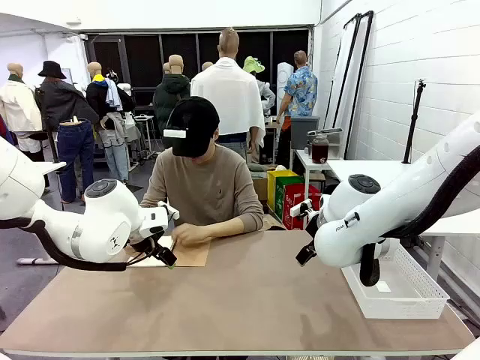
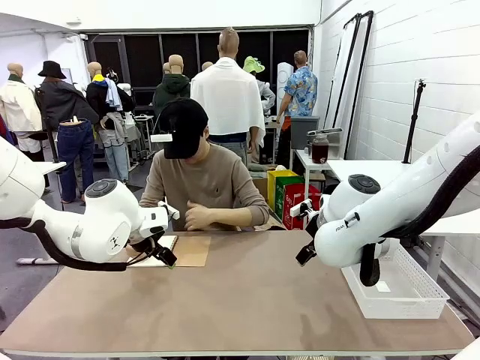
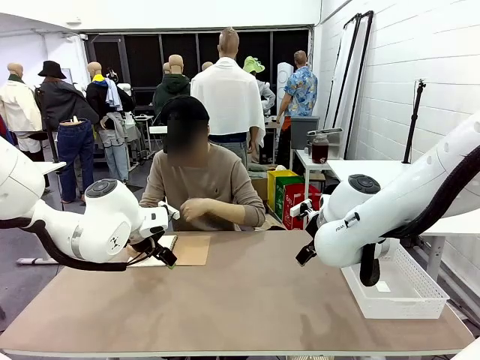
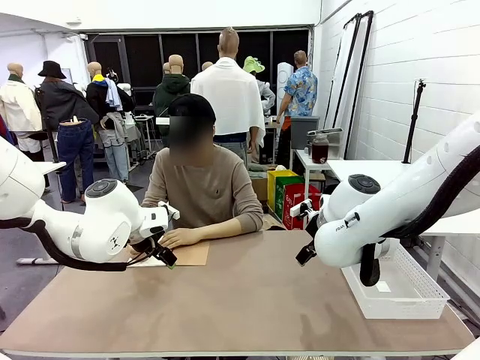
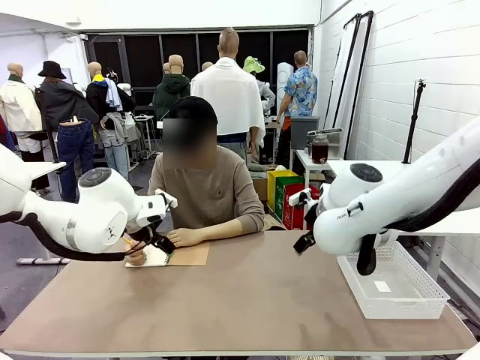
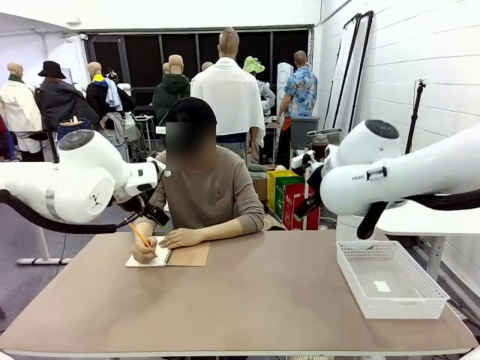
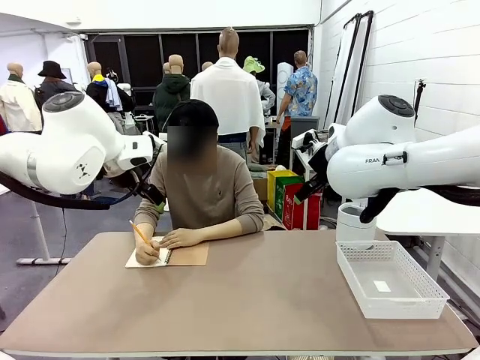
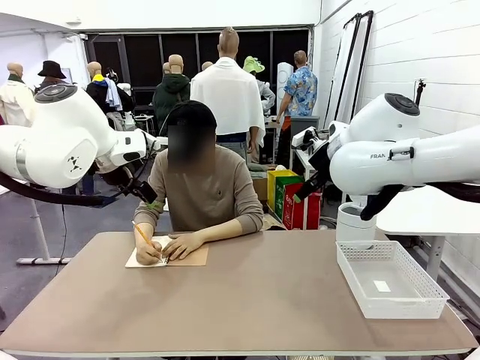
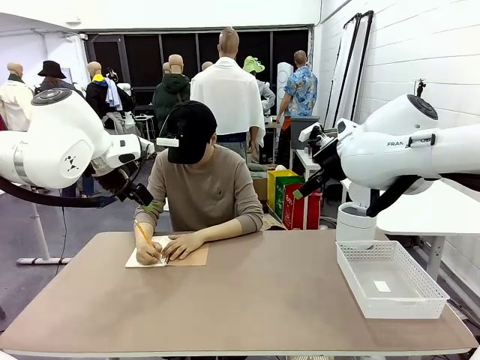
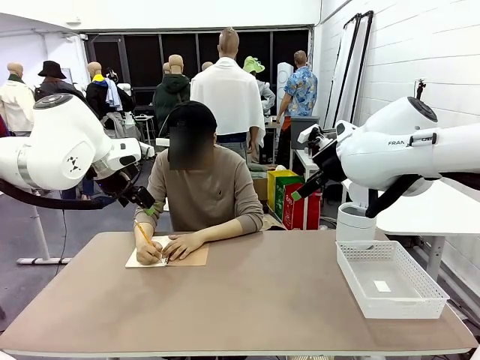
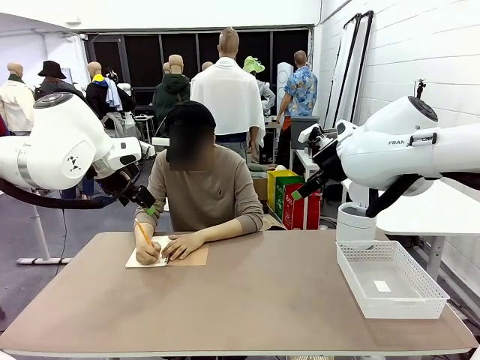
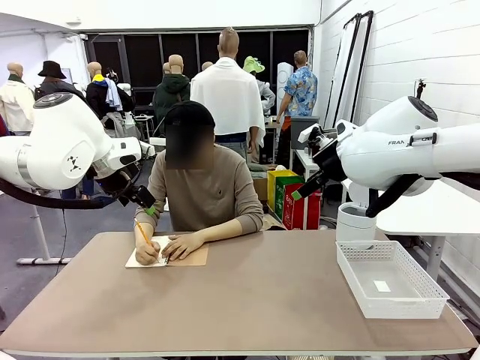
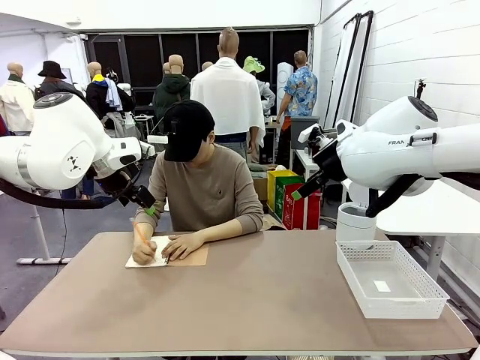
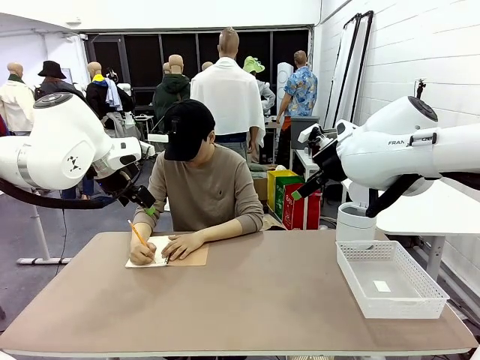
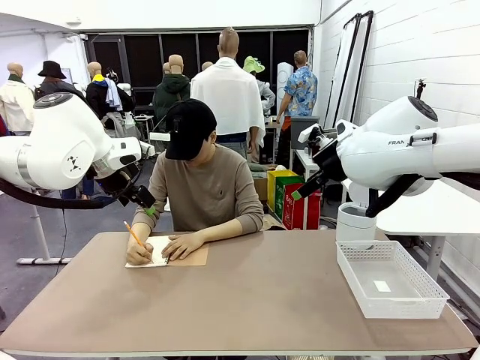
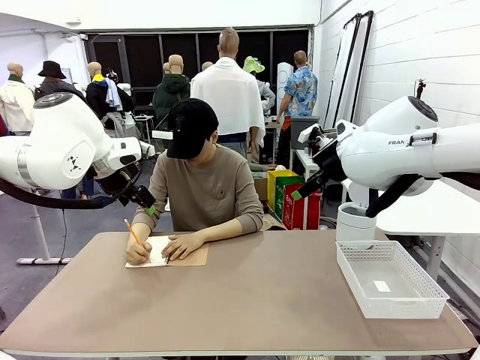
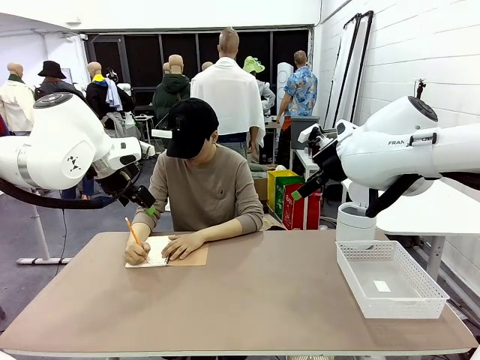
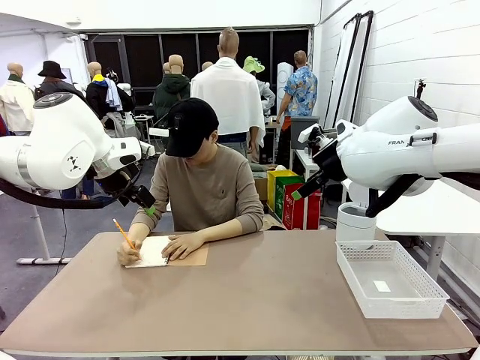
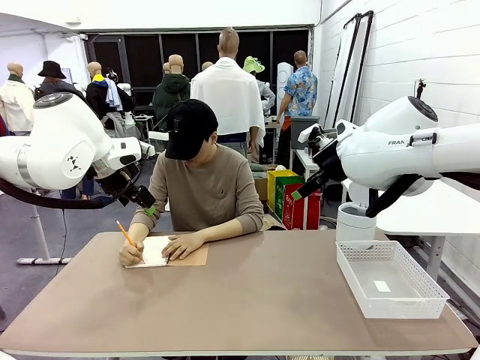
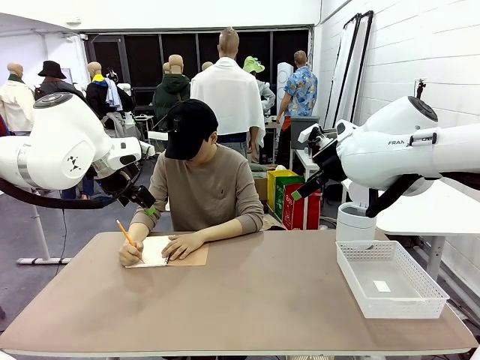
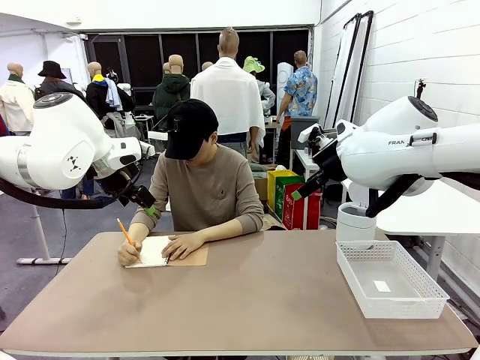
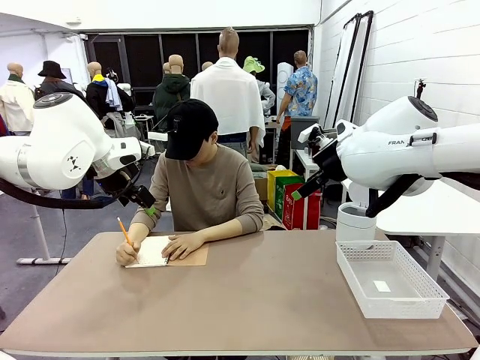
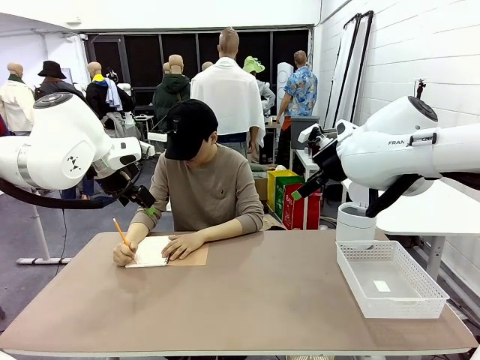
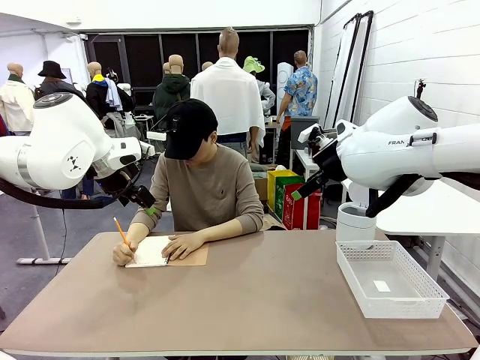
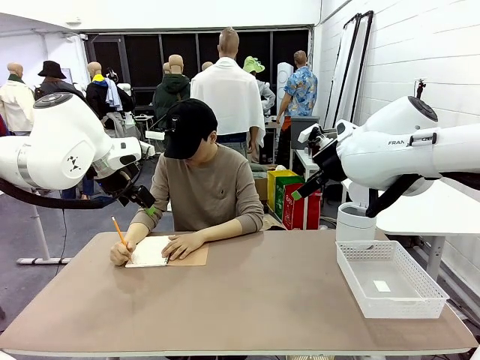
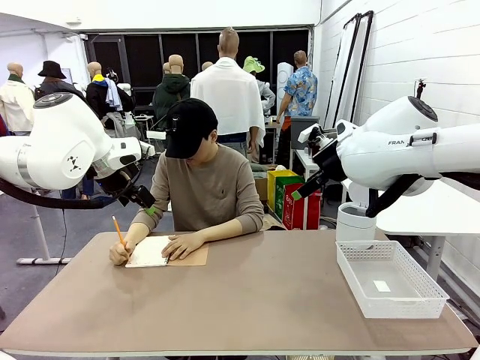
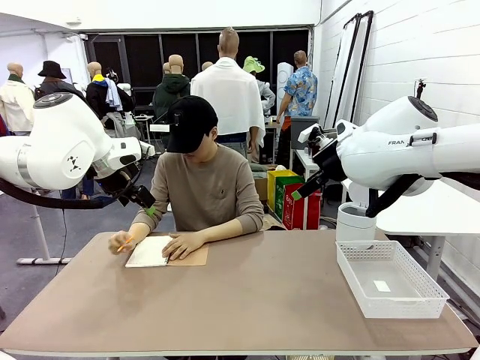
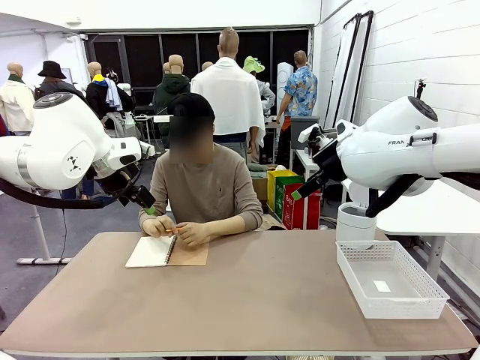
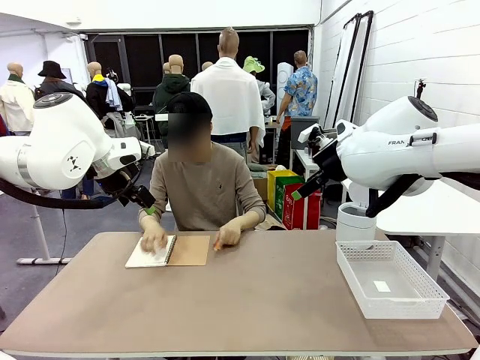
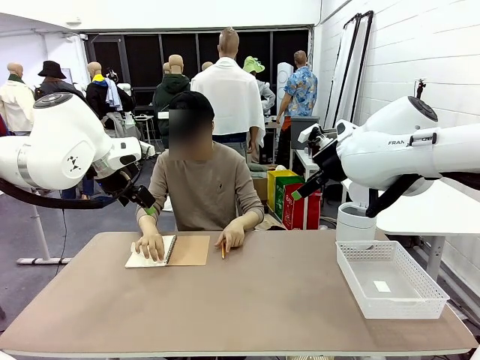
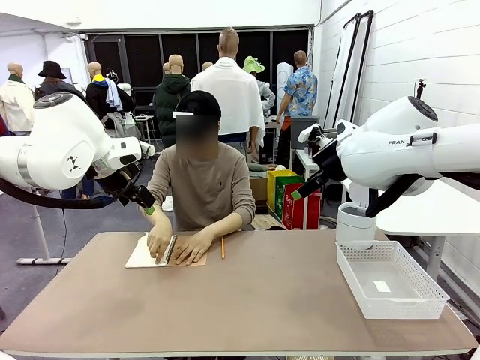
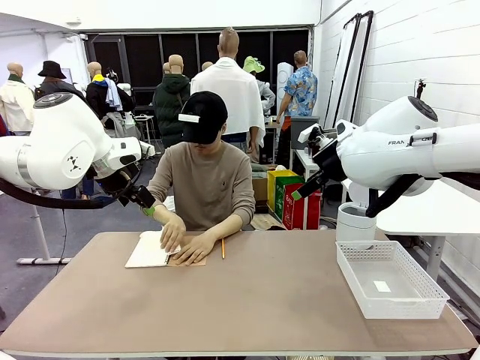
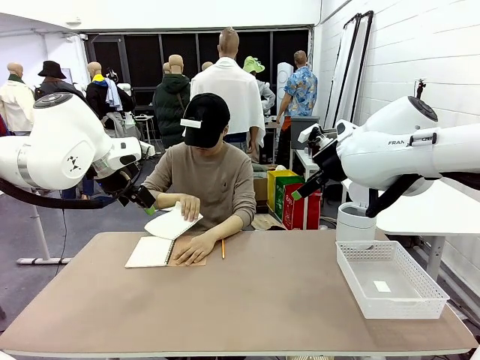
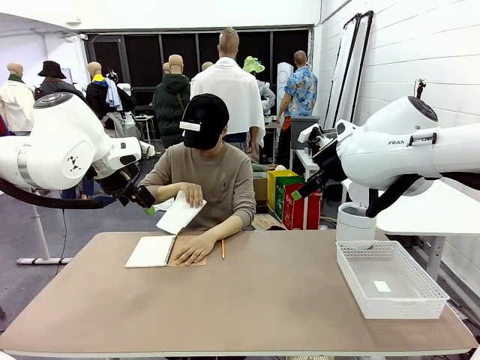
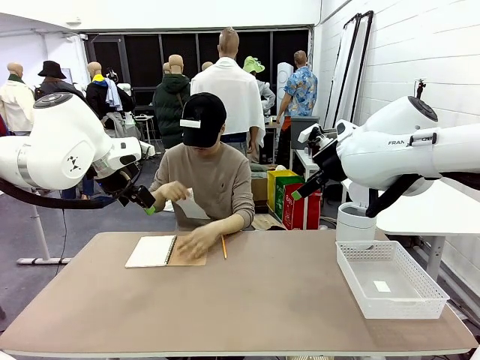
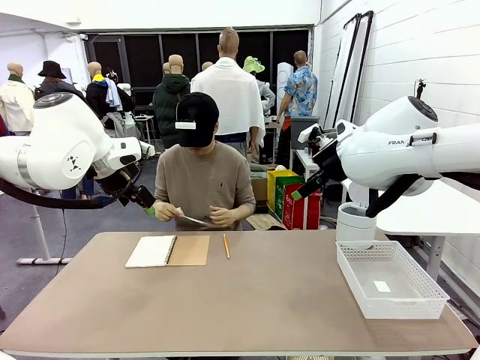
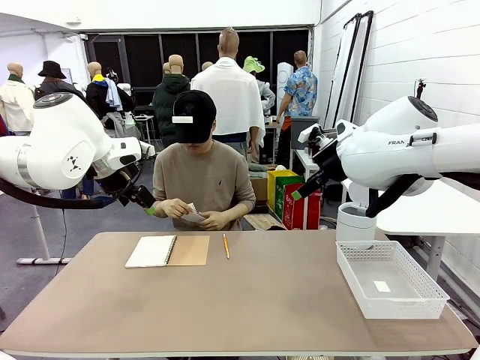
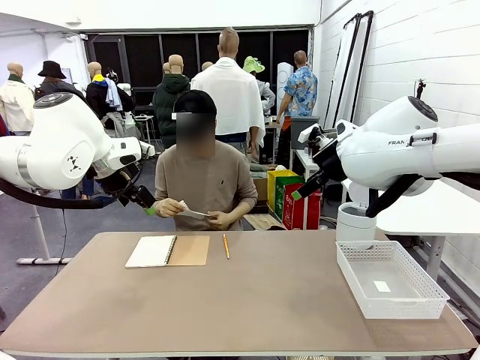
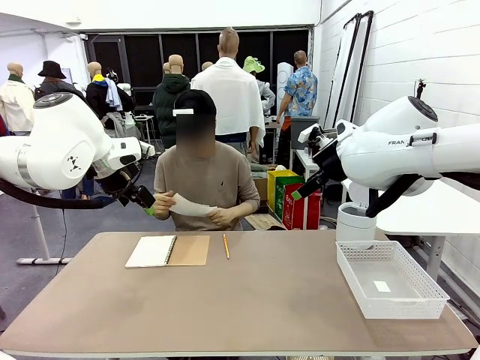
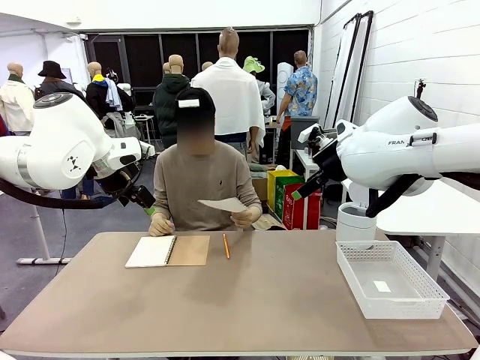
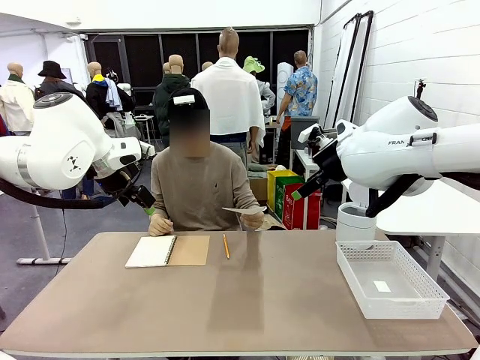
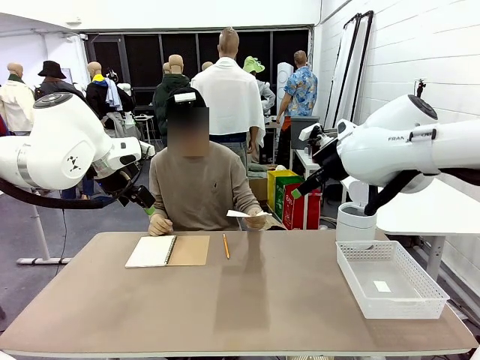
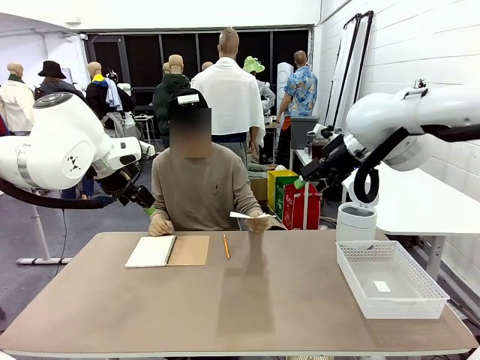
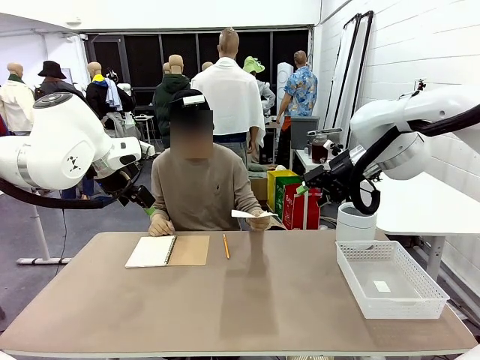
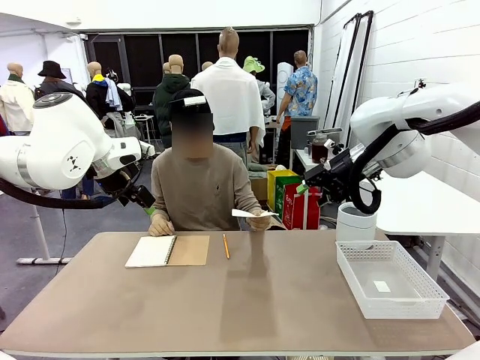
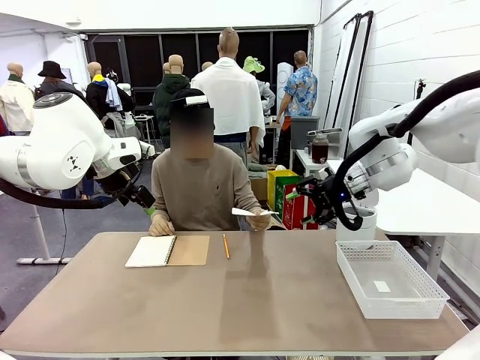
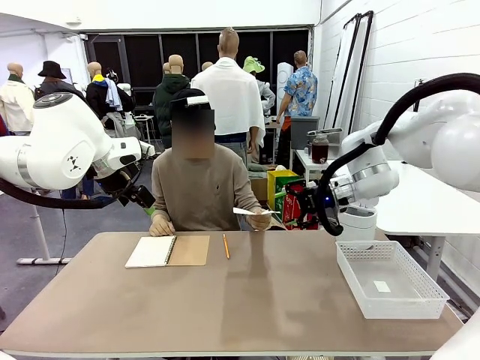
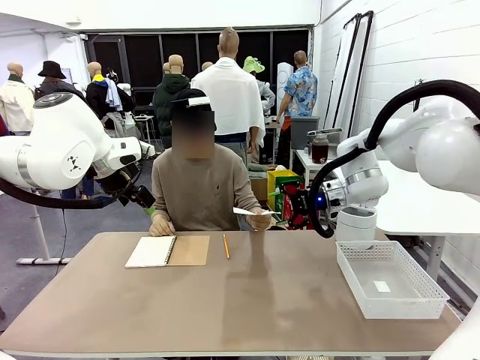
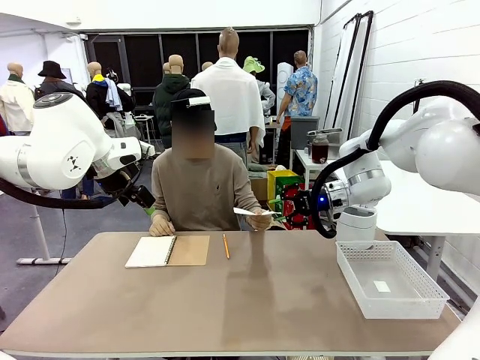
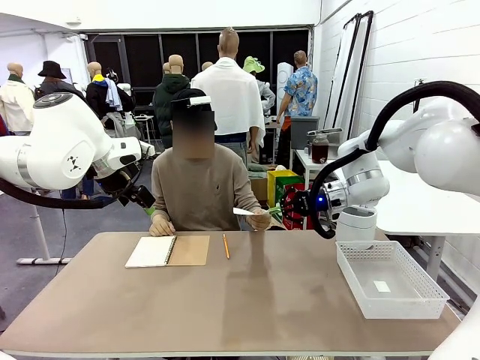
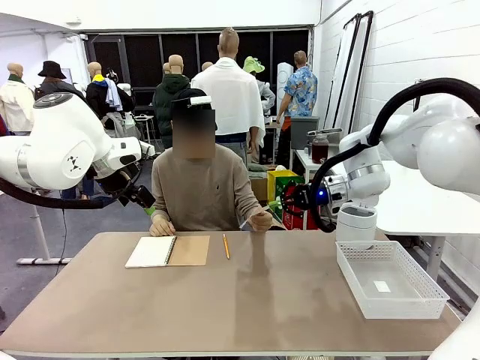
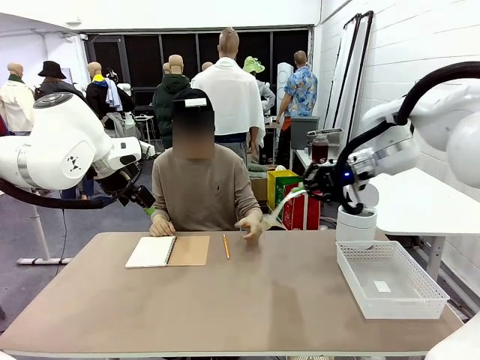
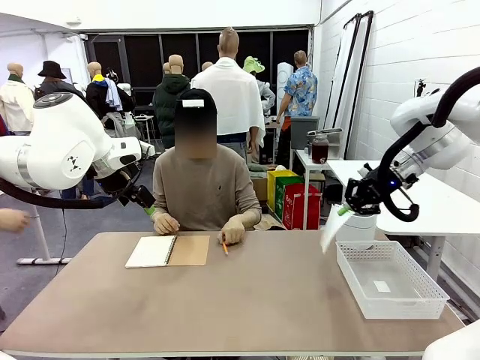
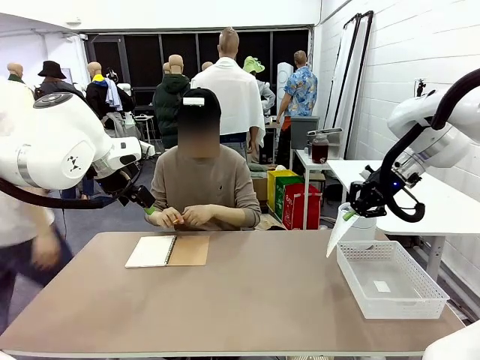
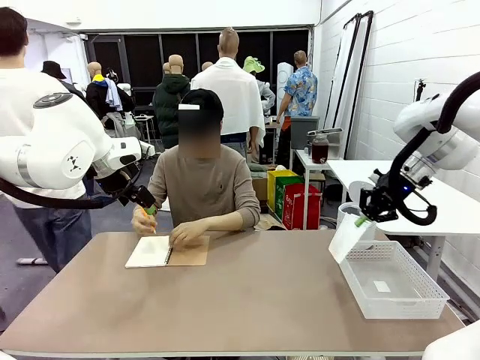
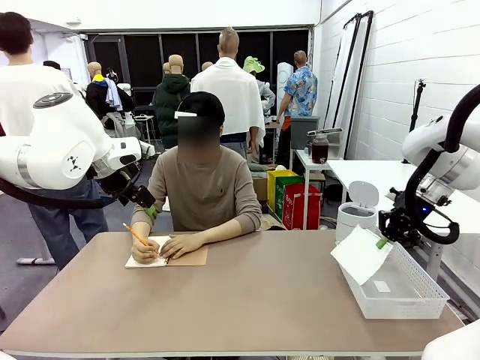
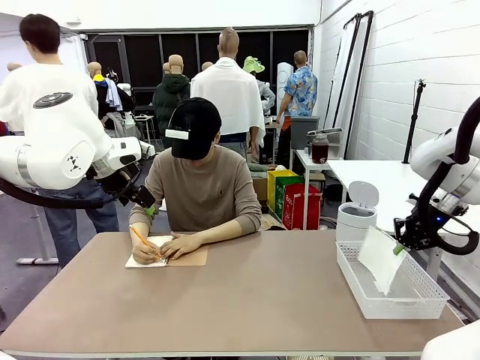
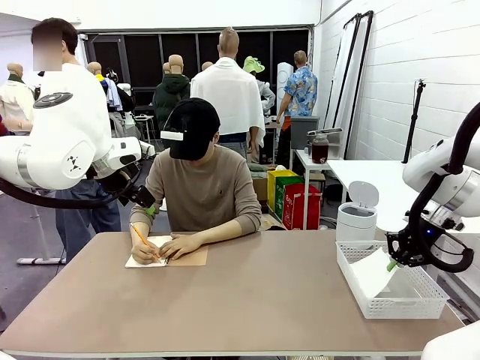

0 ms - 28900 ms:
Task: Sort the paper based on its condition.
Robot: If a person hands you a paper, place it in the Organizing basket , and if it's crumpled, put it in the Trash can.
Person: Tear out a page from the spiral notebook. Hand the torn page to the robot or crumple it and throw it to the center of the table.
